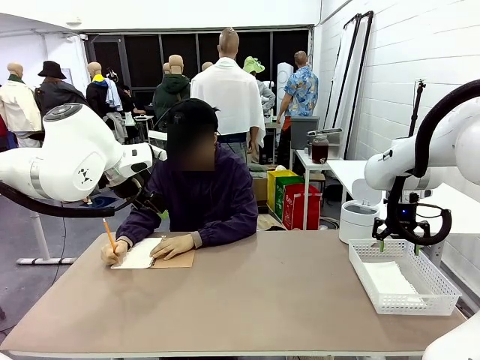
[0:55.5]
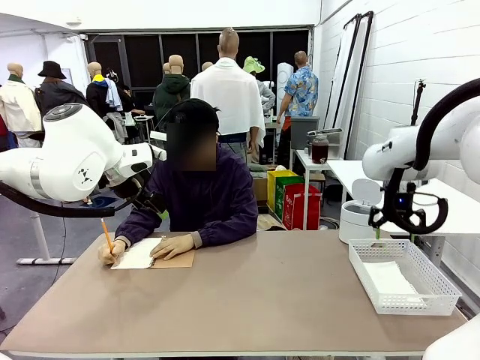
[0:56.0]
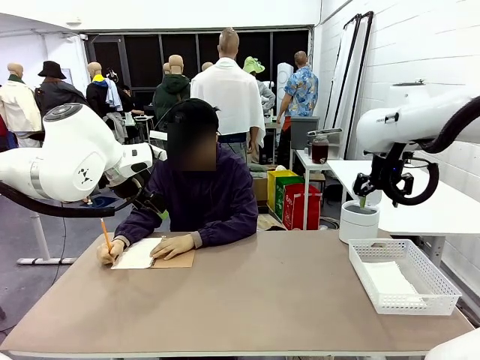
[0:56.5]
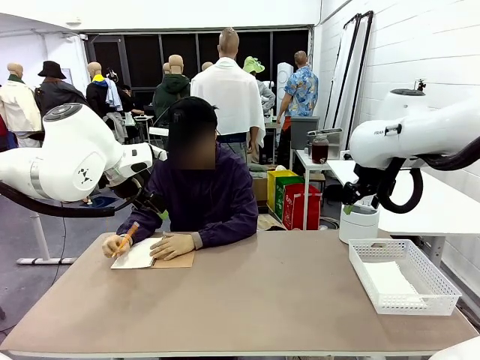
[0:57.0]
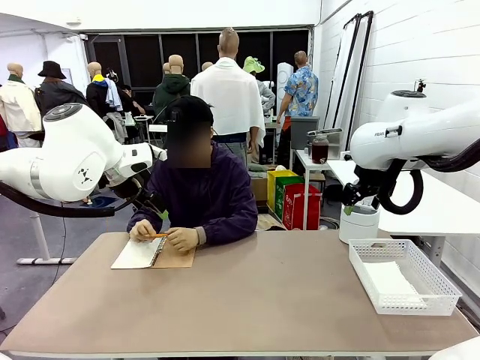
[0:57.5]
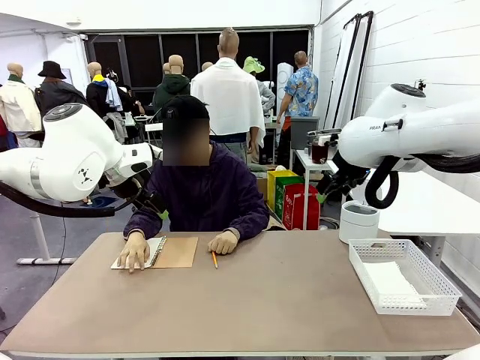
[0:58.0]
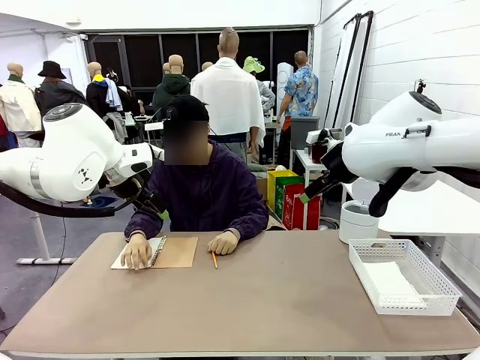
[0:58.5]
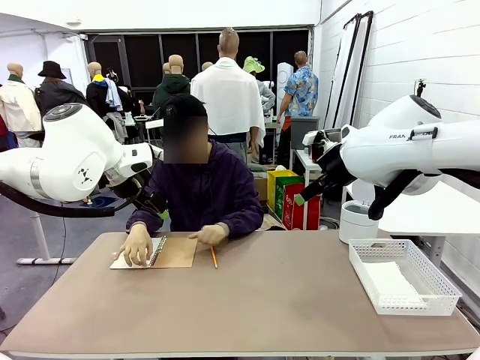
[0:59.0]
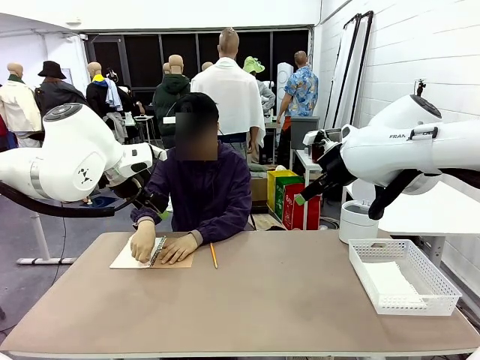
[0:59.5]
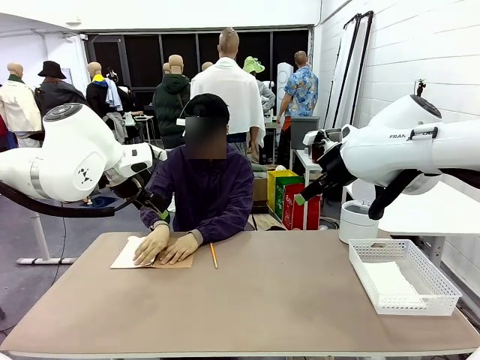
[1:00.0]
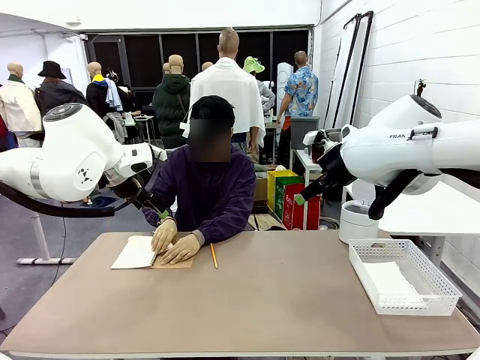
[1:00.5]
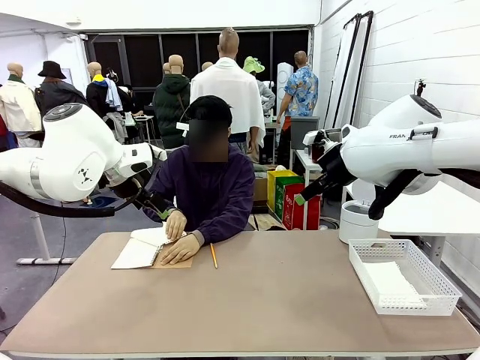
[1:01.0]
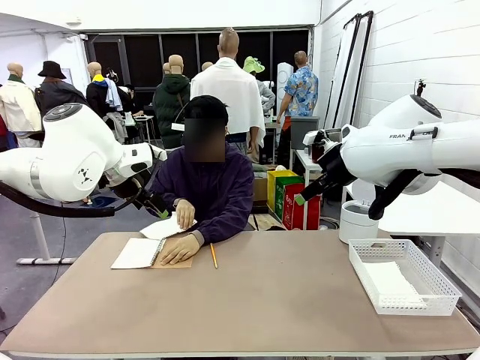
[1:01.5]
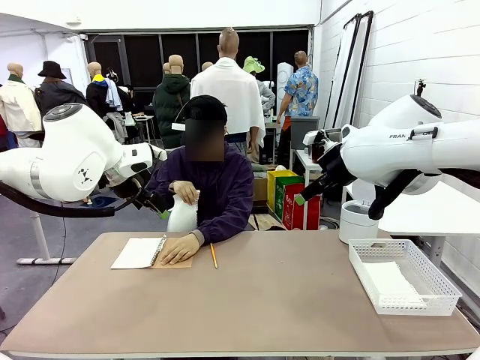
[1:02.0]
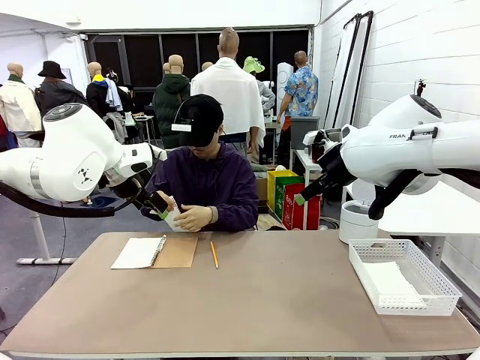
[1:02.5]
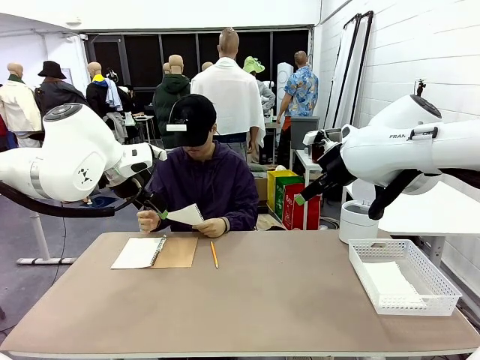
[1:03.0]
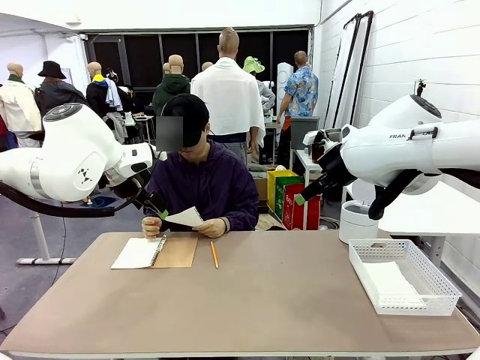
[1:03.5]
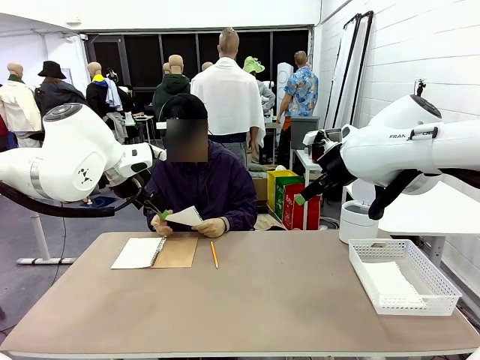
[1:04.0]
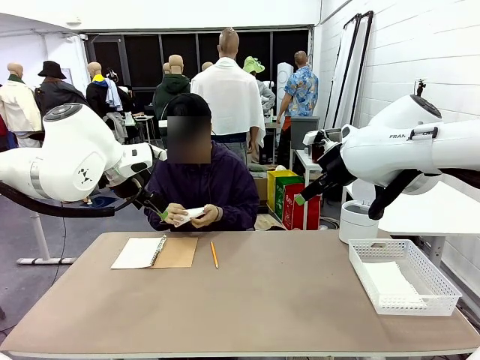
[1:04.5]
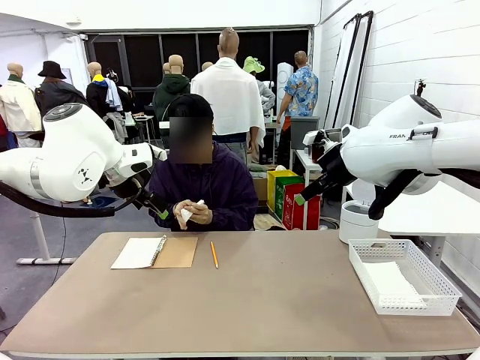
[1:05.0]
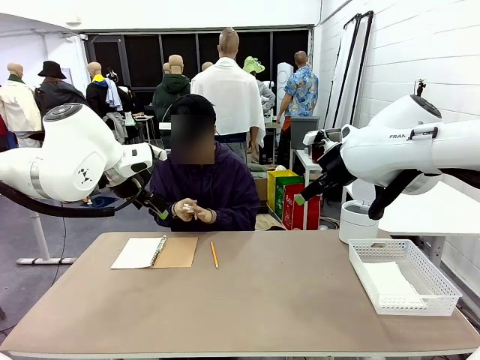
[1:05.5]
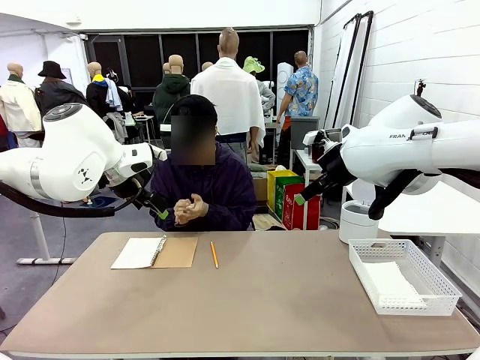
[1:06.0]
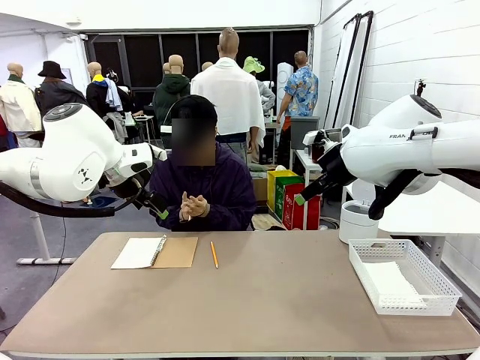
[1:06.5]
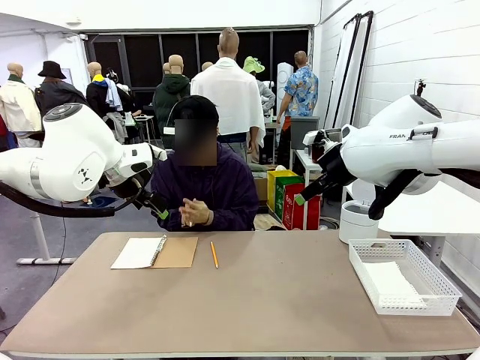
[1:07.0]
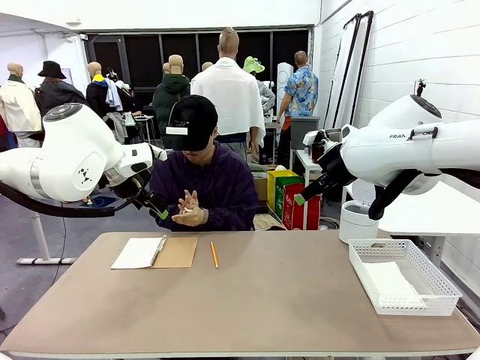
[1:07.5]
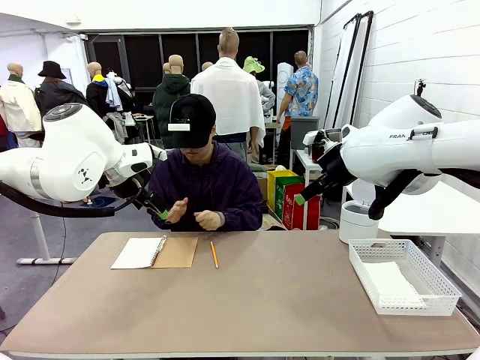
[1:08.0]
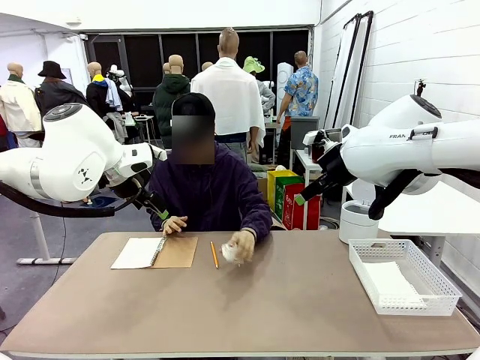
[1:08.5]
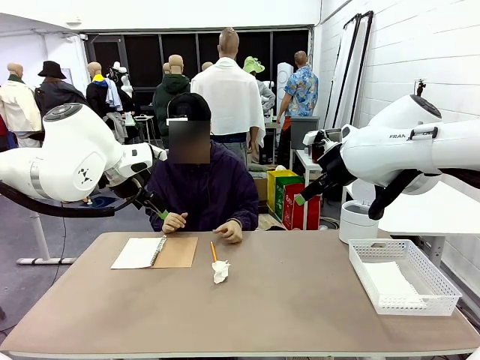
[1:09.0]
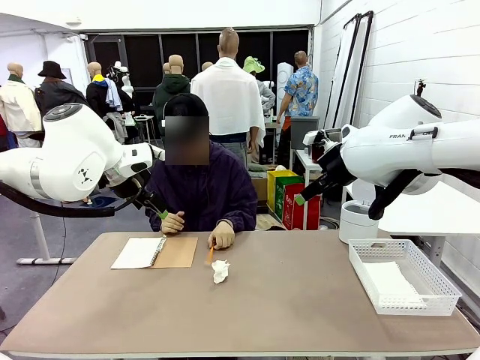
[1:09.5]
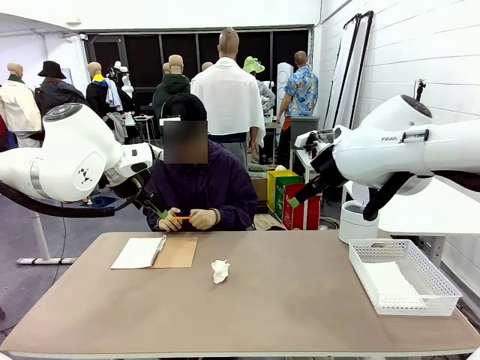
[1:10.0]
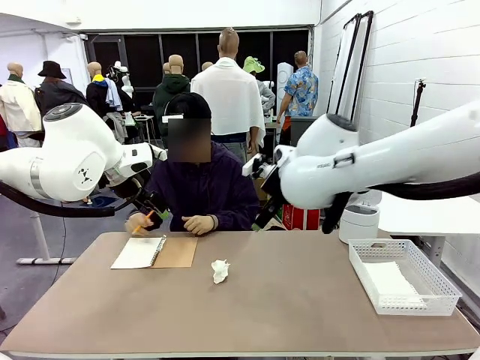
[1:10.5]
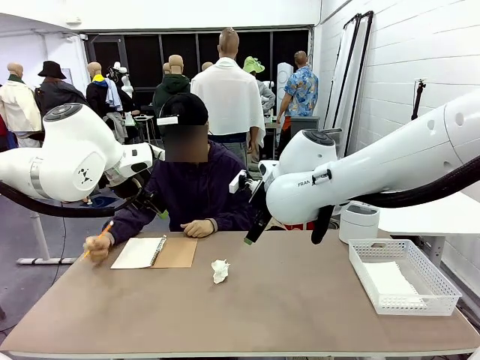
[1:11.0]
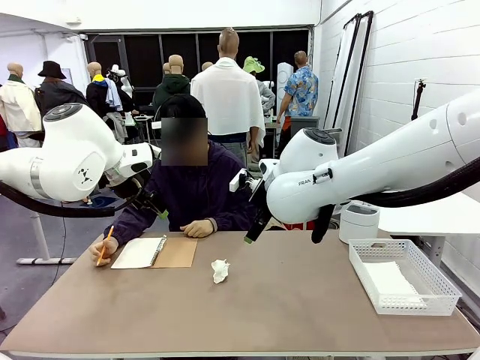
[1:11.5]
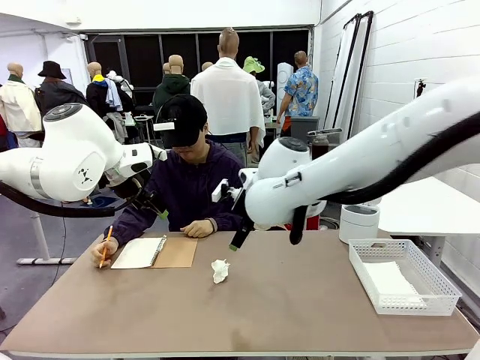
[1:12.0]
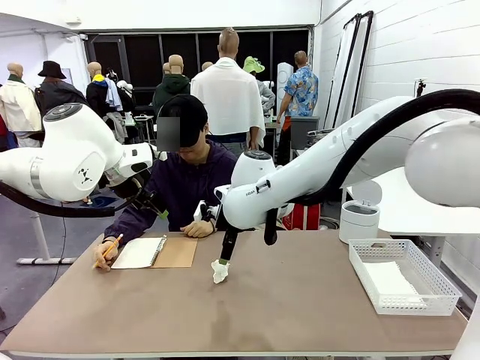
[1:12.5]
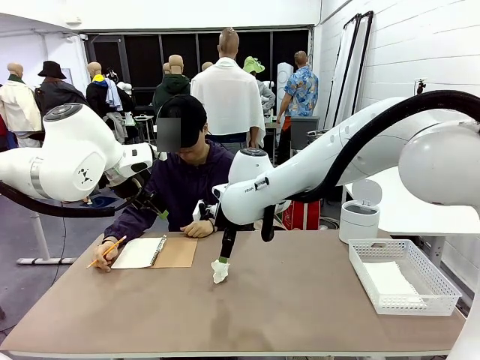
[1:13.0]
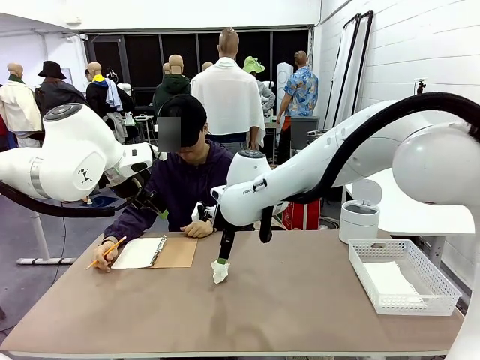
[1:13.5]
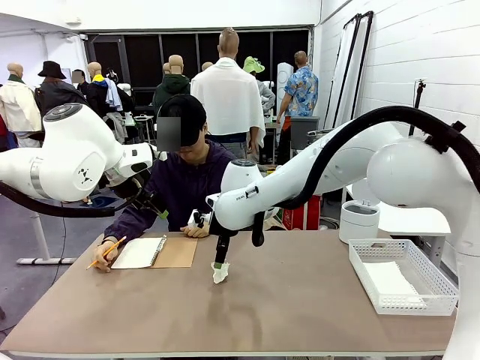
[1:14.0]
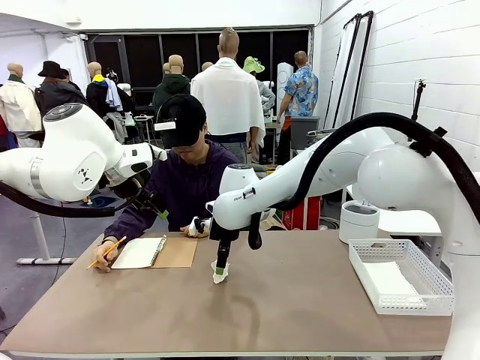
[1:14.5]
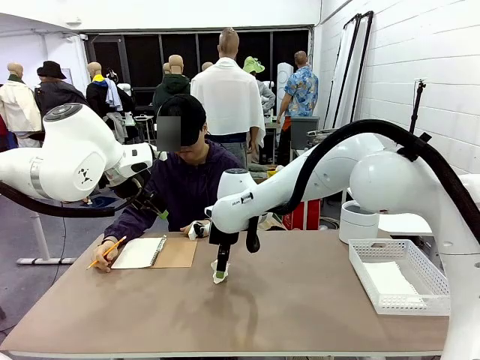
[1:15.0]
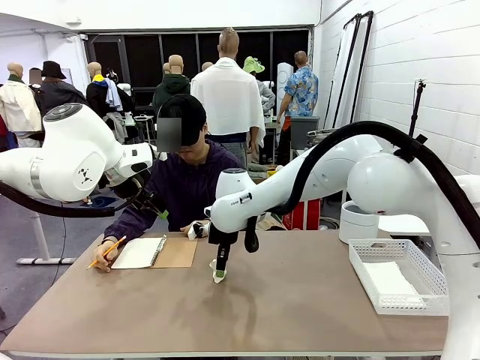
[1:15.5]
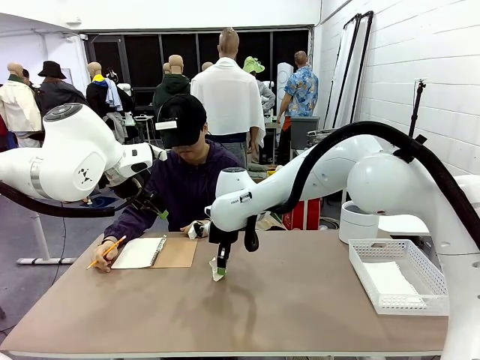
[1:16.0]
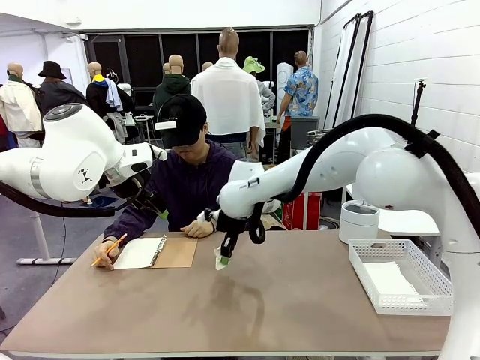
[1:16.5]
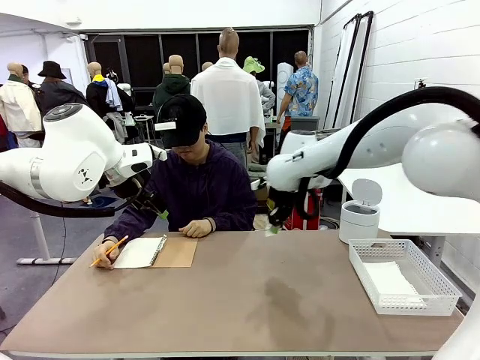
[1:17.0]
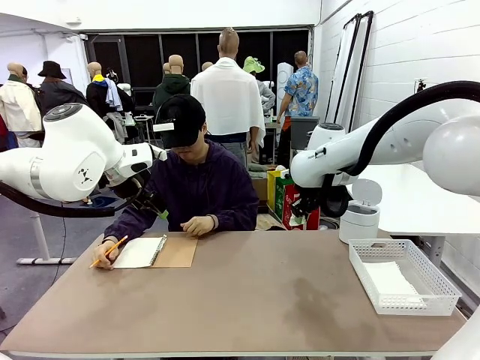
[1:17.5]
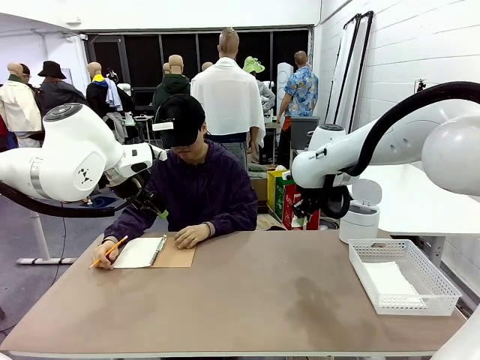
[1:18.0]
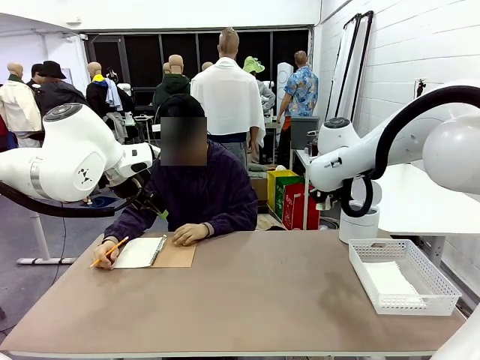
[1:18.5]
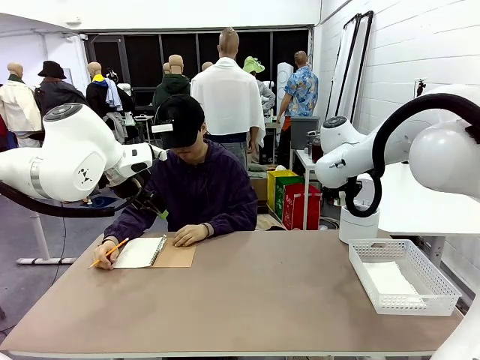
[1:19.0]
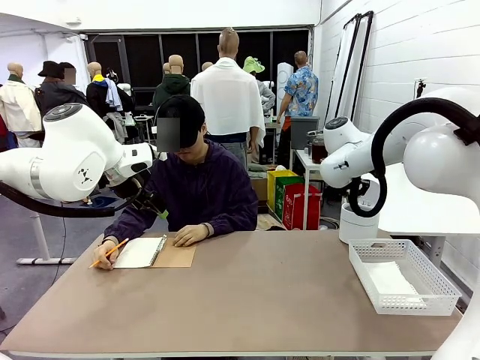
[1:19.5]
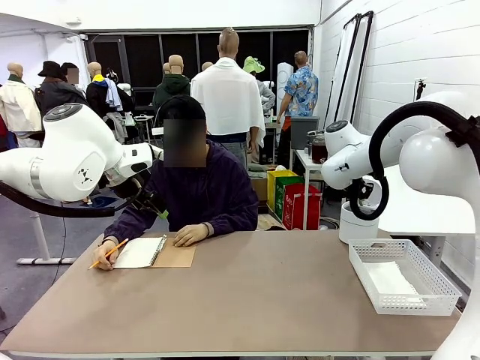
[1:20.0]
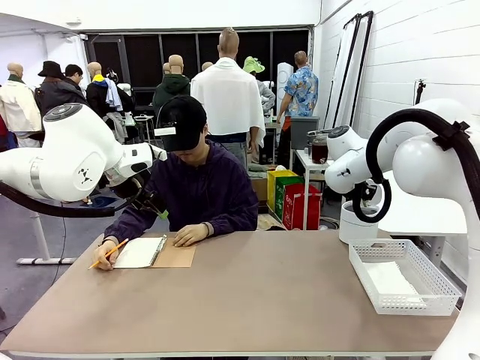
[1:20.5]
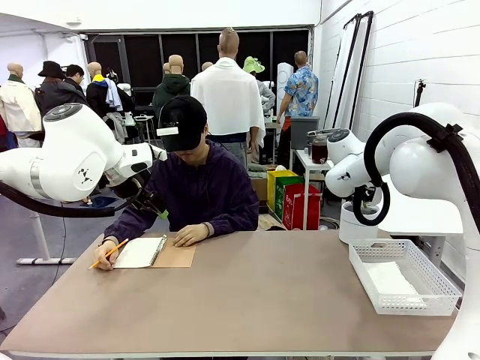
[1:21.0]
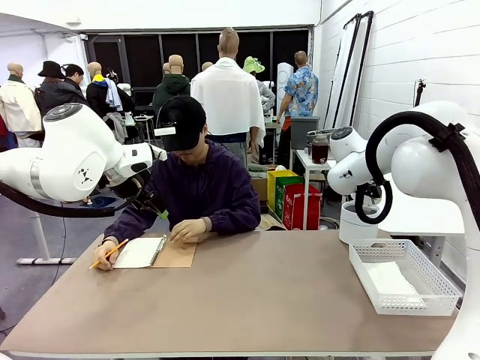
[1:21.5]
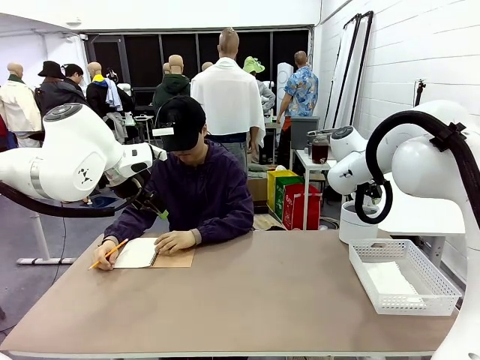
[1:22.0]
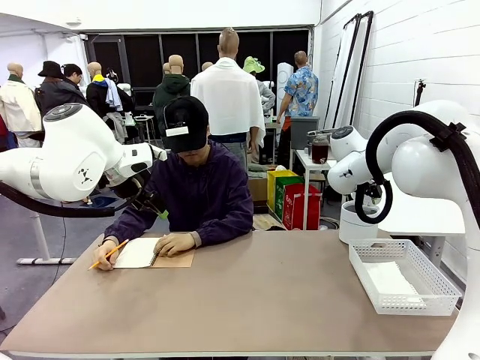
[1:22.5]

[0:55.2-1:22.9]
Task: Sort the paper based on its condition.
Robot: If a person hands you a paper, place it in the Organizing basket , and if it's crumpled, put it in the Trash can.
Person: Hand the torn page to the robot or crumple it and throw it to the center of the table.
